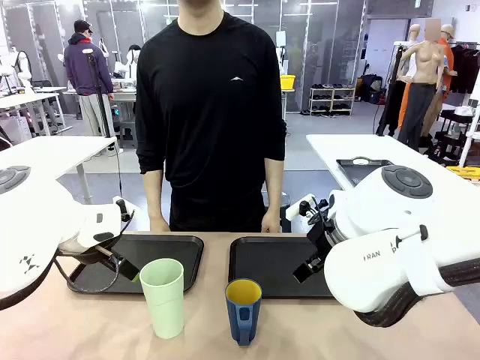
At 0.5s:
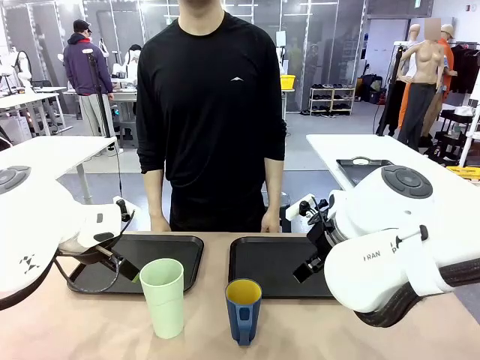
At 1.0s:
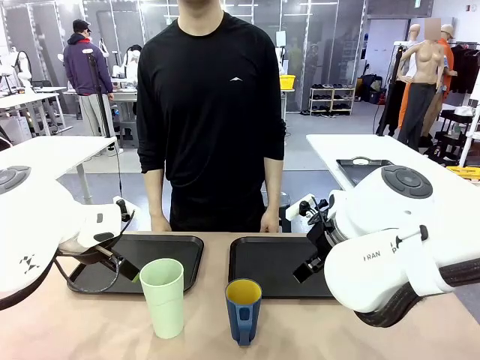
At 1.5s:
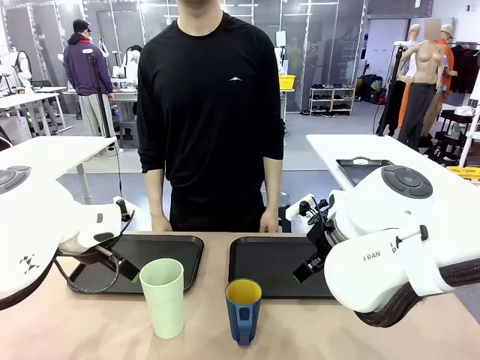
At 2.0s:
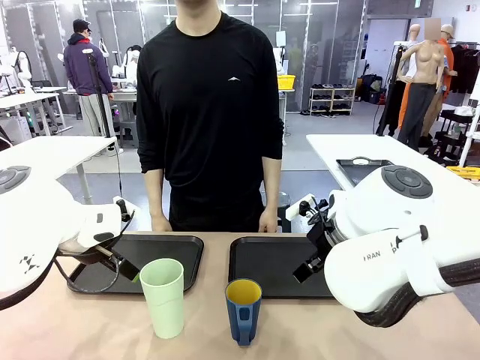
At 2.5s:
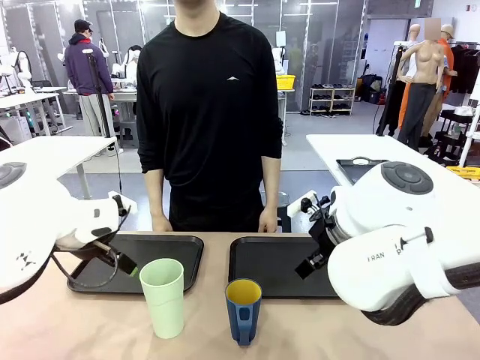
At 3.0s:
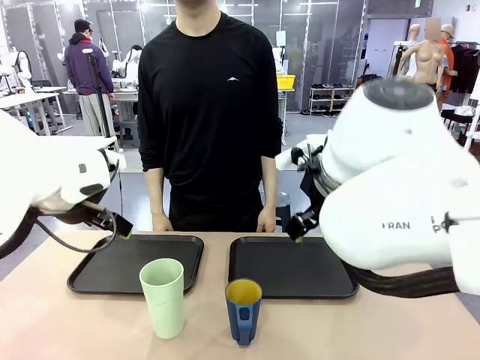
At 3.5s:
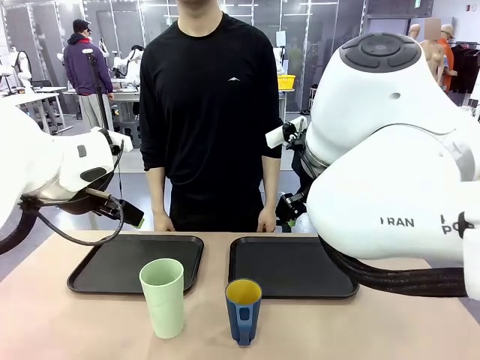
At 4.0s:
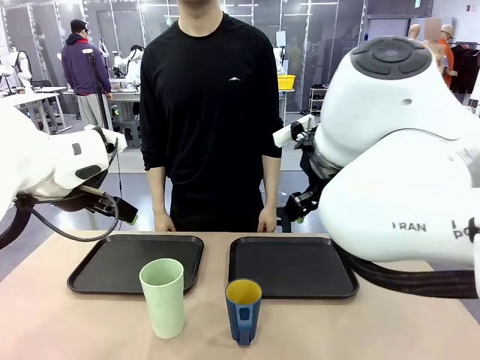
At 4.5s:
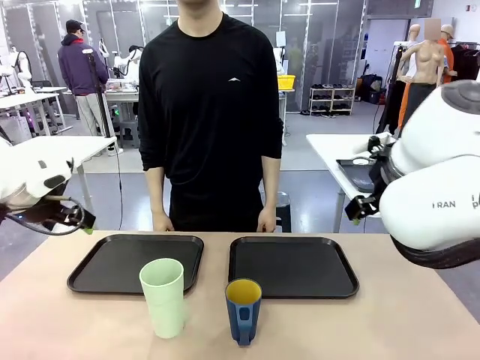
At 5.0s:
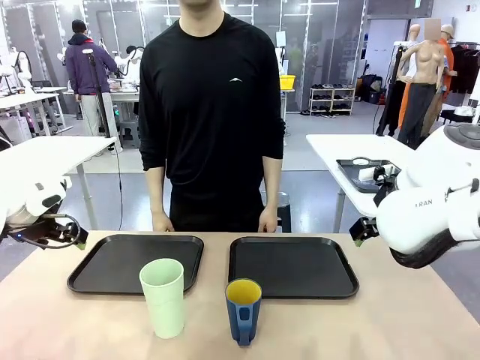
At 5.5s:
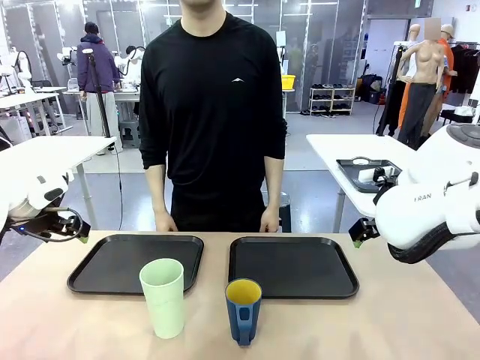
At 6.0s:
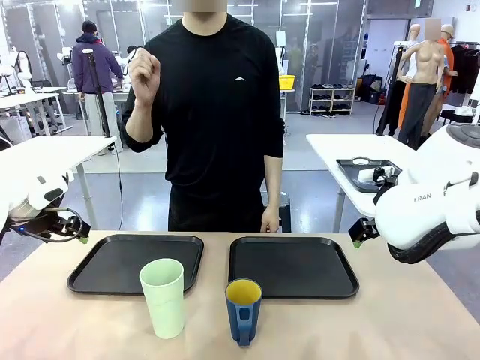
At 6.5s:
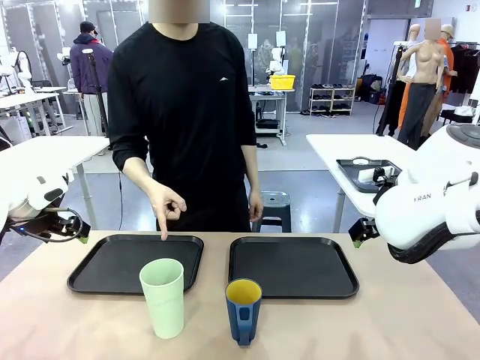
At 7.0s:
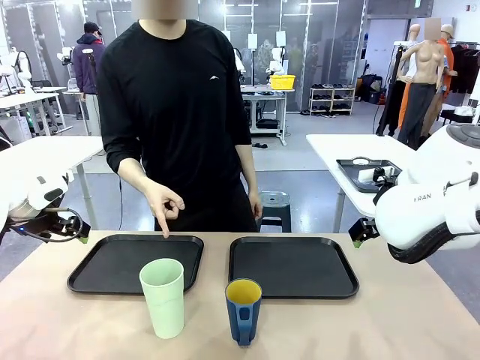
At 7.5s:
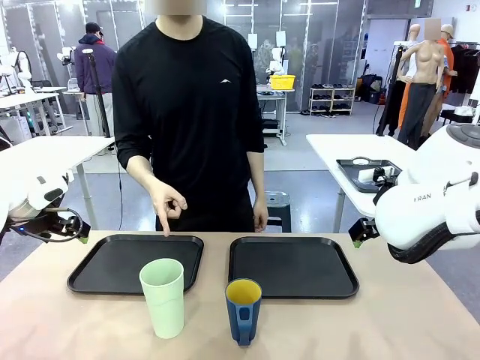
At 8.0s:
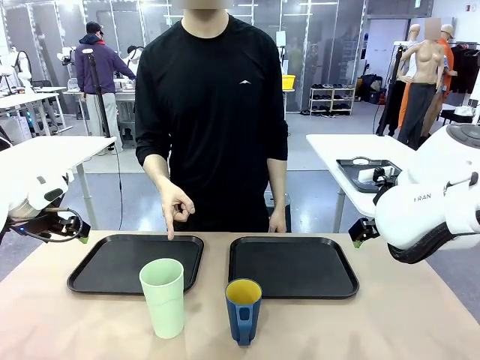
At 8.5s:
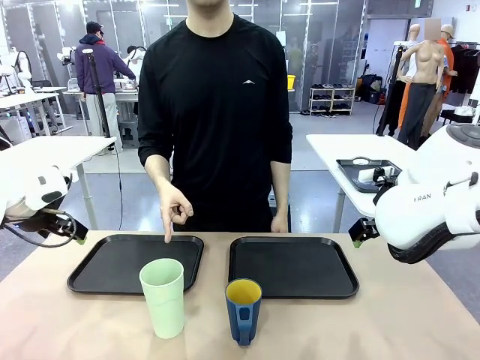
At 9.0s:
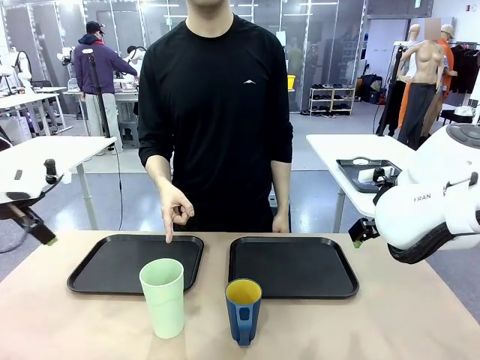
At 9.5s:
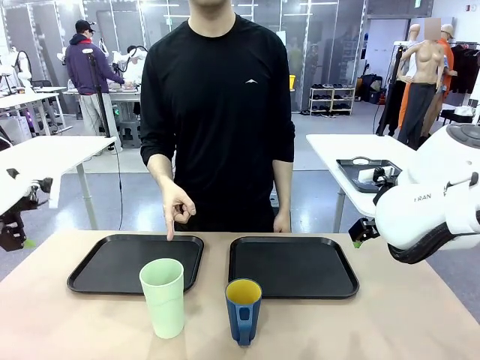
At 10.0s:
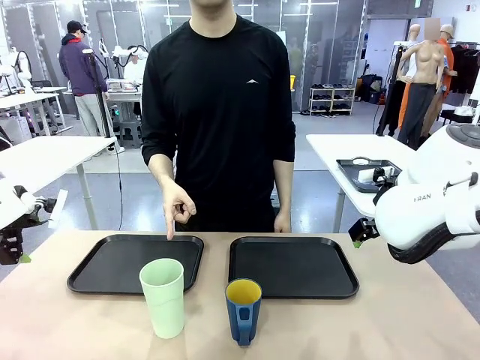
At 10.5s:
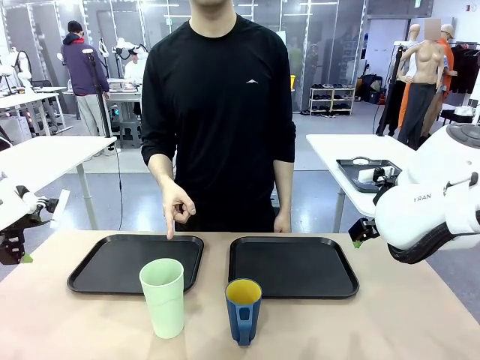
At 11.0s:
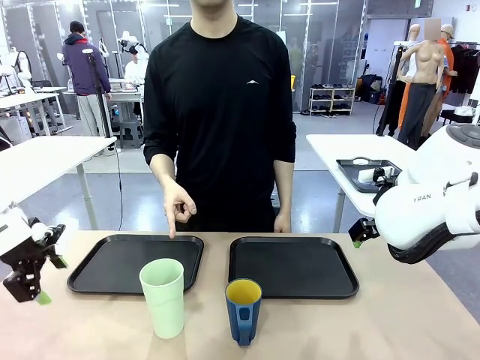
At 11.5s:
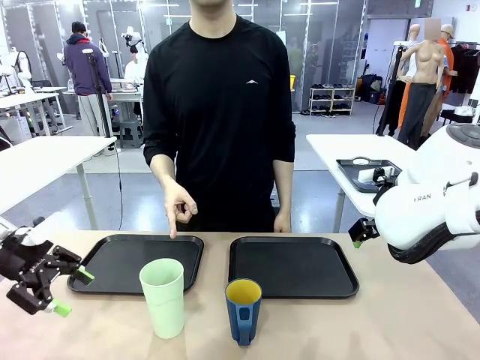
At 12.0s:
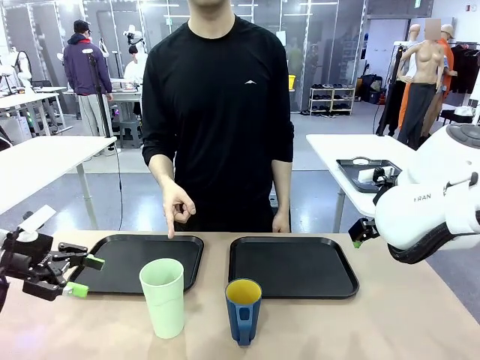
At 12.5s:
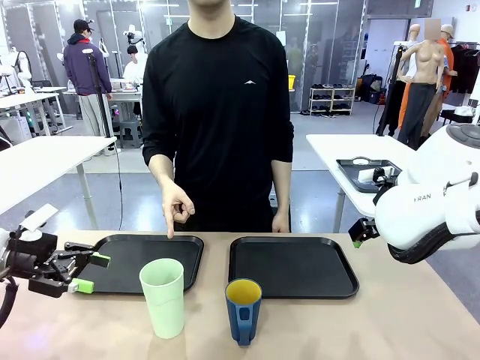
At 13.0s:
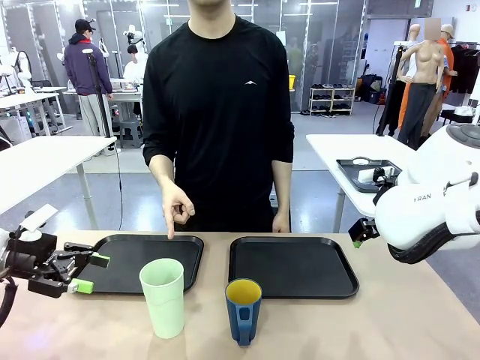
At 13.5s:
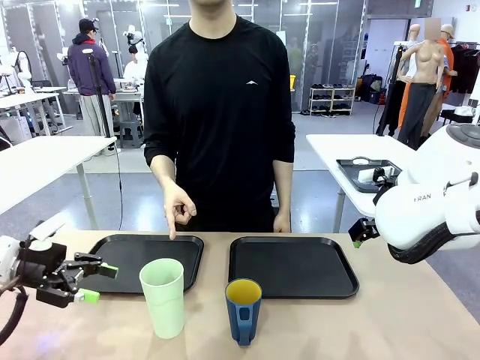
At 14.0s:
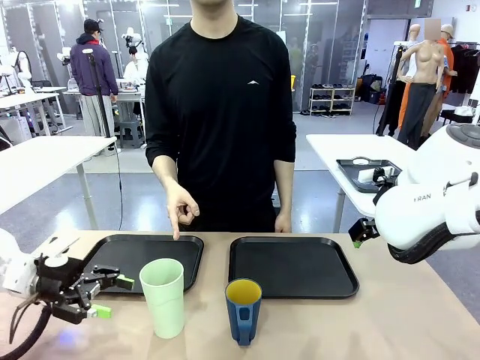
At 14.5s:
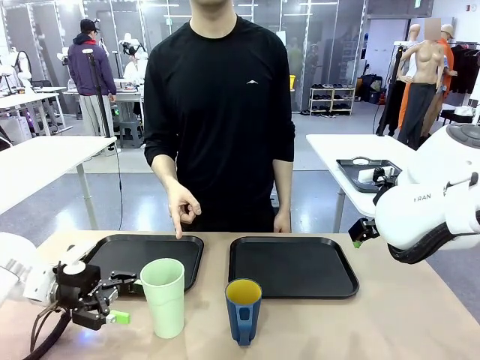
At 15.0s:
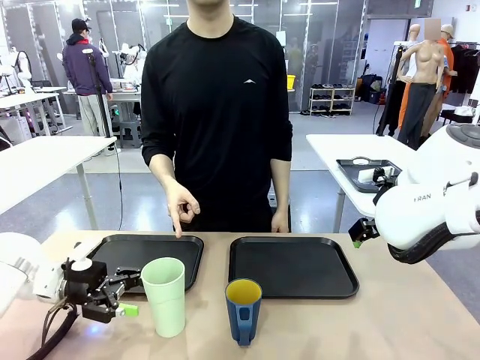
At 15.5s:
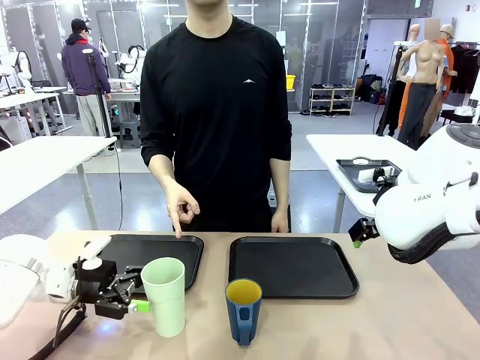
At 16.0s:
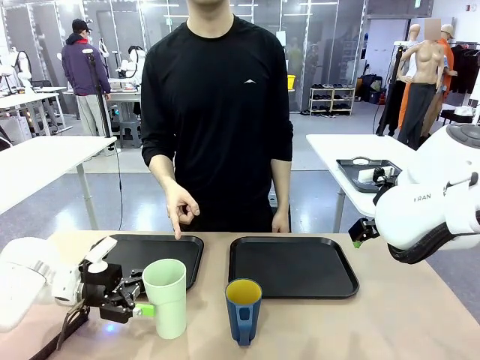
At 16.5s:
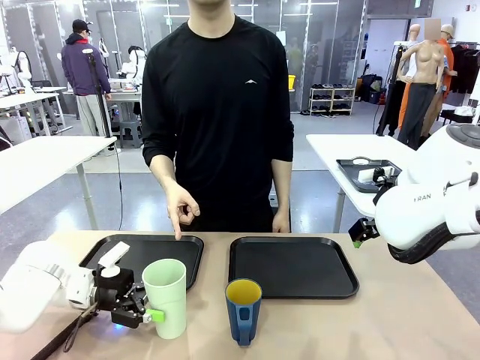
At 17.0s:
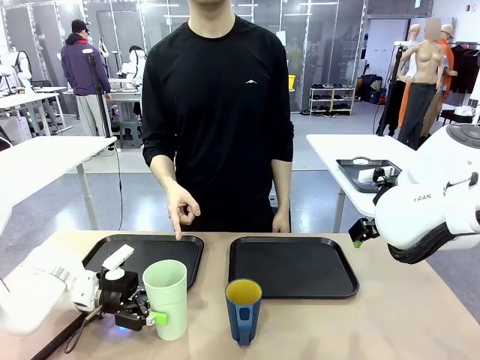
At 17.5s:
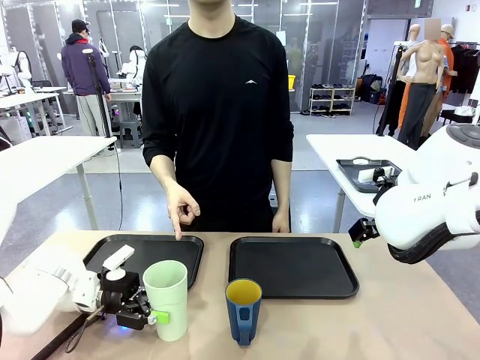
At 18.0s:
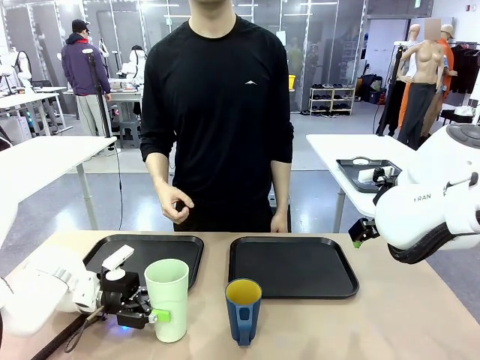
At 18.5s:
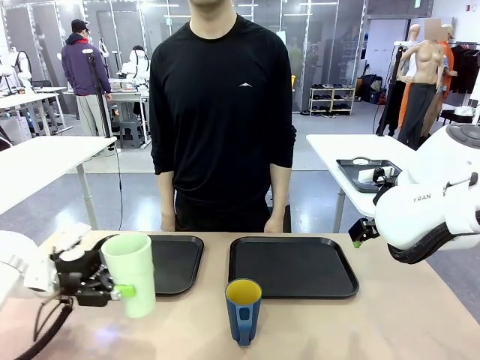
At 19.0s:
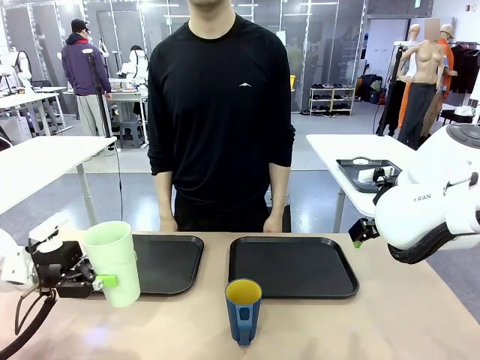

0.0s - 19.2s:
Task: Sort and store the cups by type.
Robot: Pick up the Reusable plastic cup.
Person: Points to the reusable cup. Point to one of the two trays.
